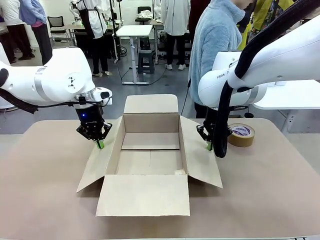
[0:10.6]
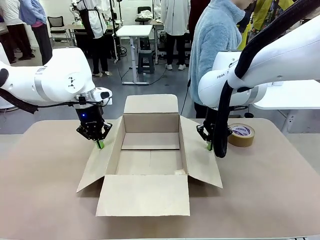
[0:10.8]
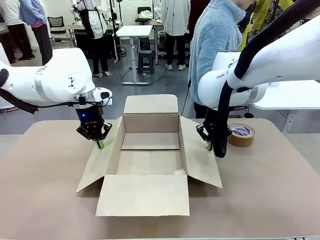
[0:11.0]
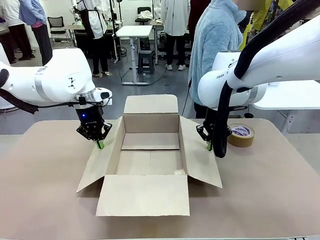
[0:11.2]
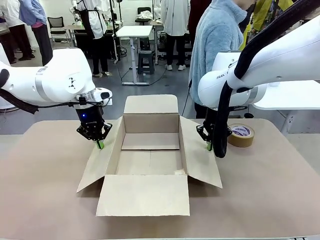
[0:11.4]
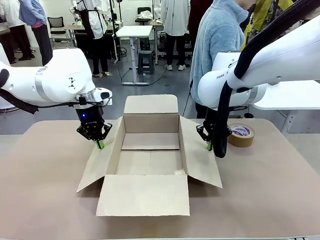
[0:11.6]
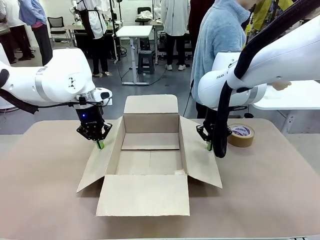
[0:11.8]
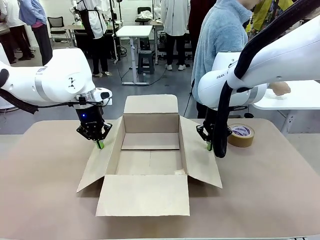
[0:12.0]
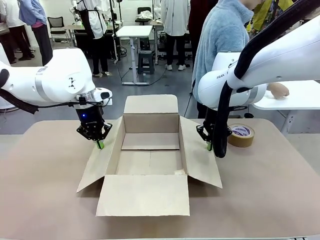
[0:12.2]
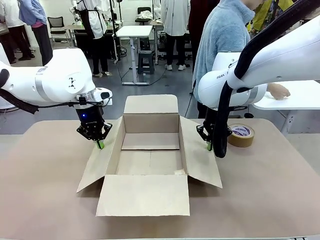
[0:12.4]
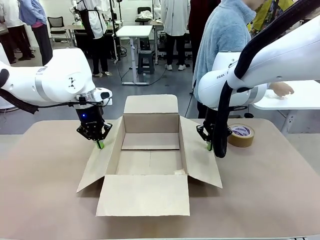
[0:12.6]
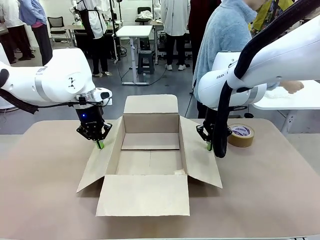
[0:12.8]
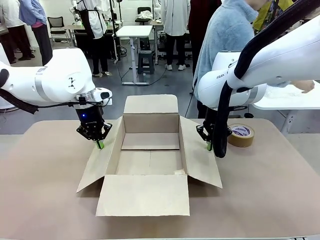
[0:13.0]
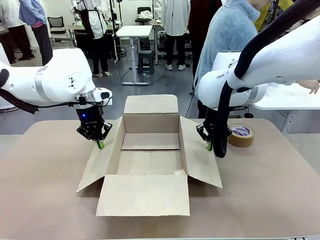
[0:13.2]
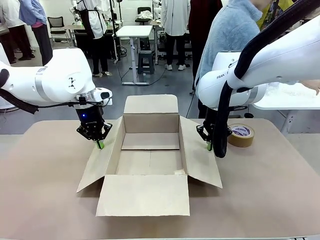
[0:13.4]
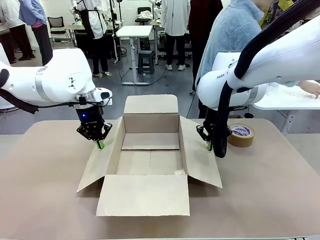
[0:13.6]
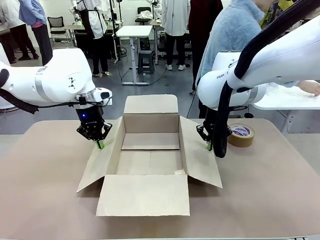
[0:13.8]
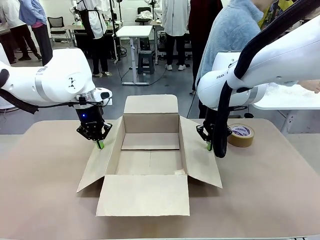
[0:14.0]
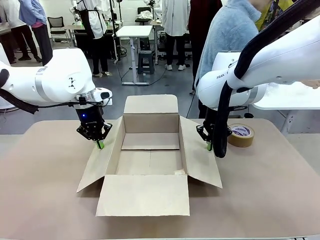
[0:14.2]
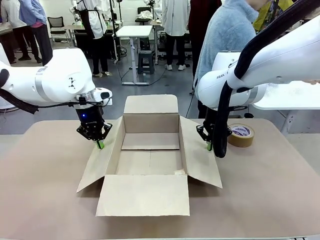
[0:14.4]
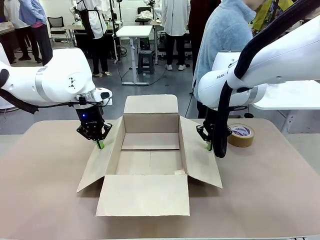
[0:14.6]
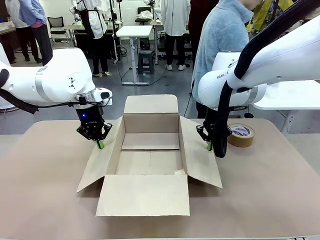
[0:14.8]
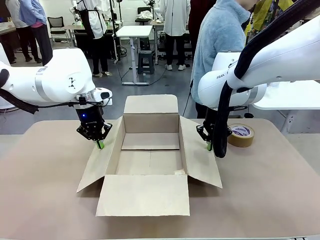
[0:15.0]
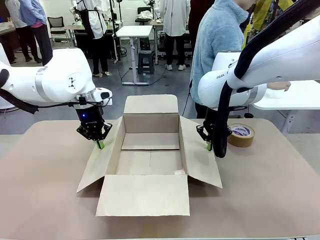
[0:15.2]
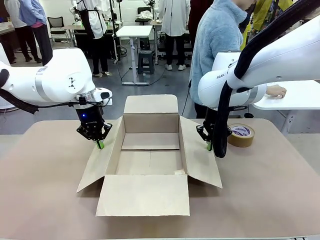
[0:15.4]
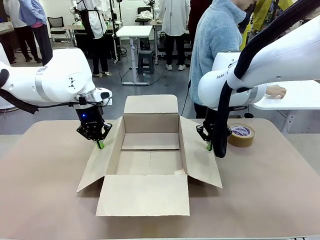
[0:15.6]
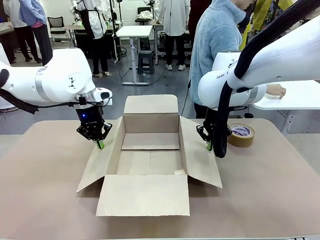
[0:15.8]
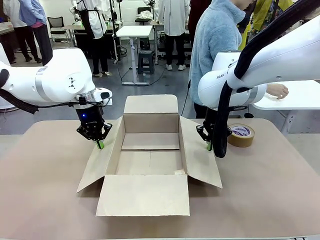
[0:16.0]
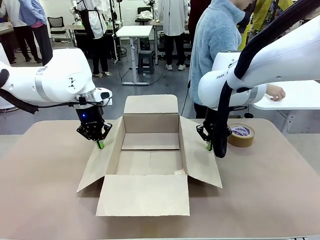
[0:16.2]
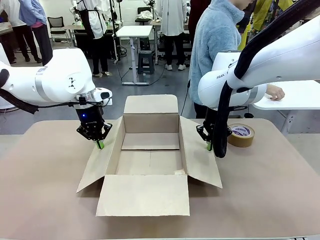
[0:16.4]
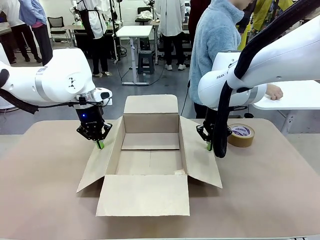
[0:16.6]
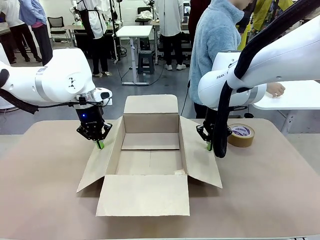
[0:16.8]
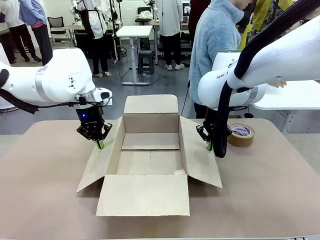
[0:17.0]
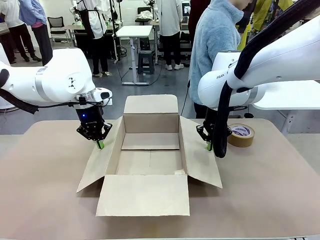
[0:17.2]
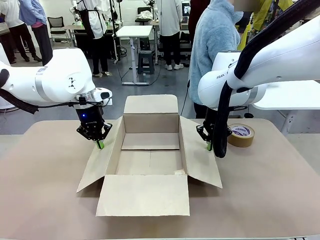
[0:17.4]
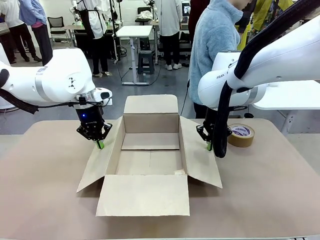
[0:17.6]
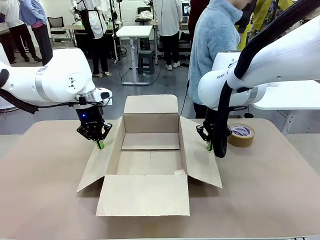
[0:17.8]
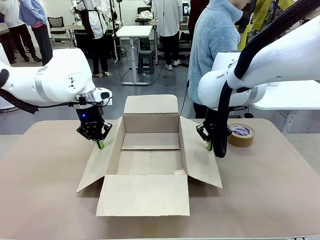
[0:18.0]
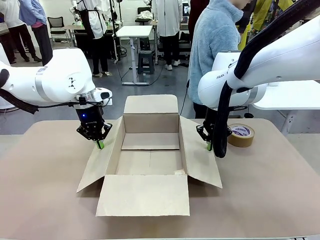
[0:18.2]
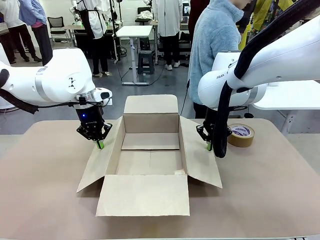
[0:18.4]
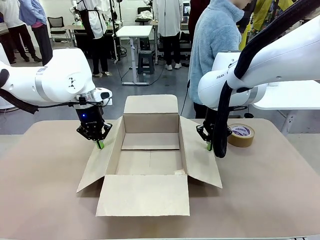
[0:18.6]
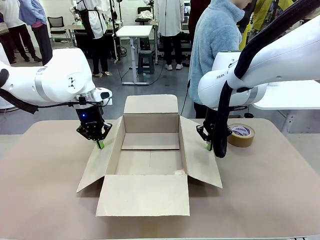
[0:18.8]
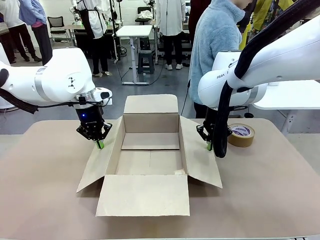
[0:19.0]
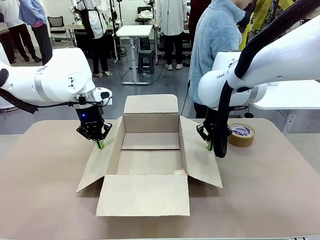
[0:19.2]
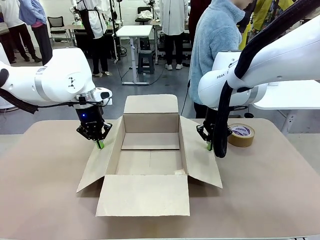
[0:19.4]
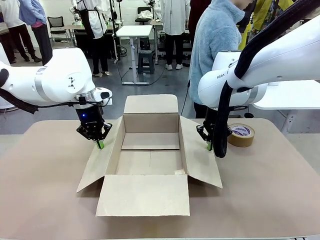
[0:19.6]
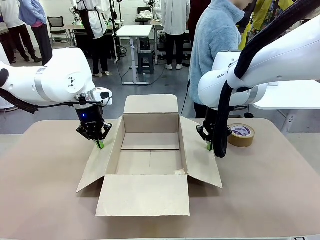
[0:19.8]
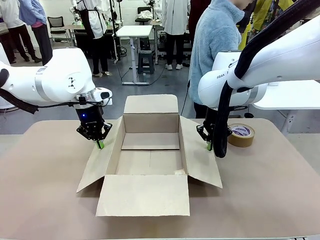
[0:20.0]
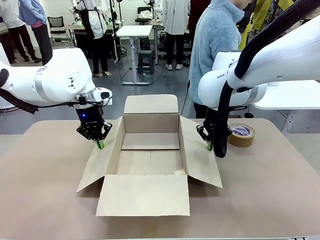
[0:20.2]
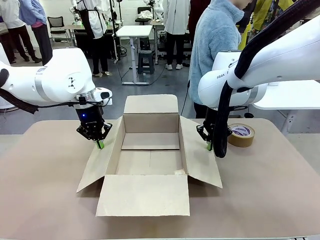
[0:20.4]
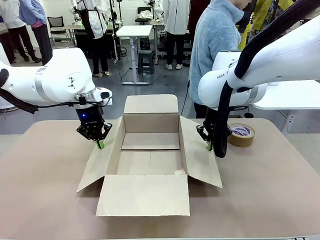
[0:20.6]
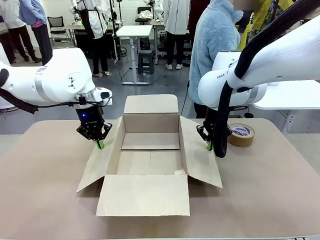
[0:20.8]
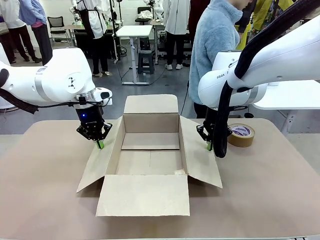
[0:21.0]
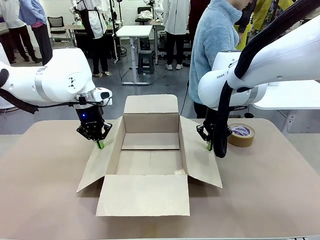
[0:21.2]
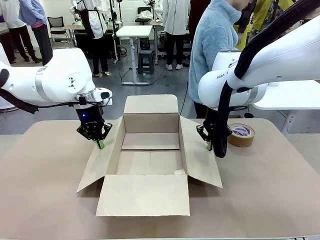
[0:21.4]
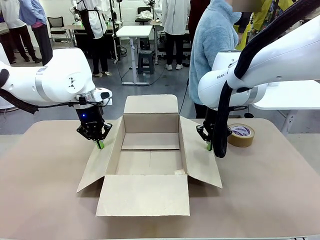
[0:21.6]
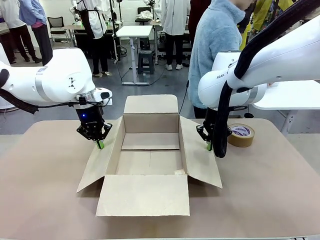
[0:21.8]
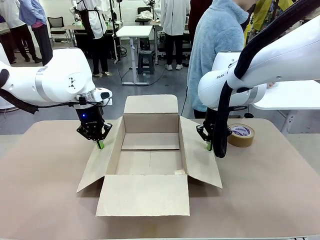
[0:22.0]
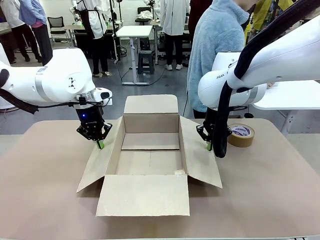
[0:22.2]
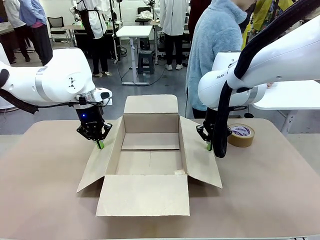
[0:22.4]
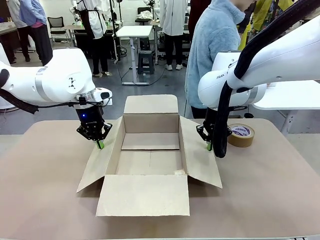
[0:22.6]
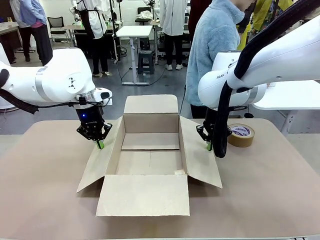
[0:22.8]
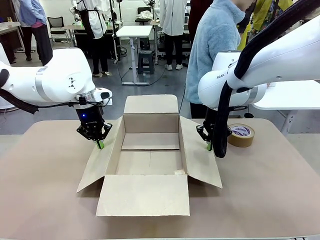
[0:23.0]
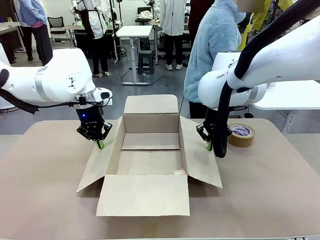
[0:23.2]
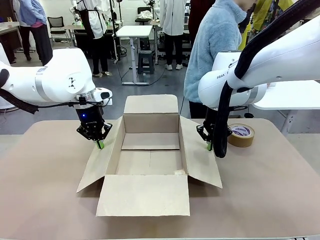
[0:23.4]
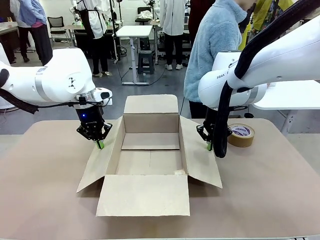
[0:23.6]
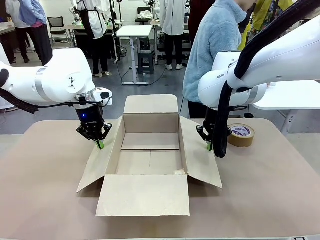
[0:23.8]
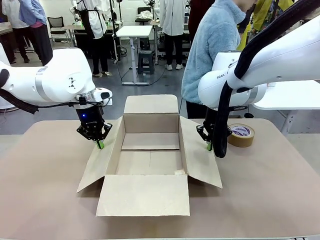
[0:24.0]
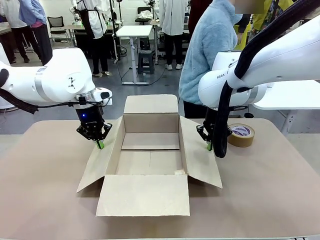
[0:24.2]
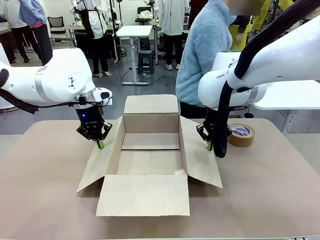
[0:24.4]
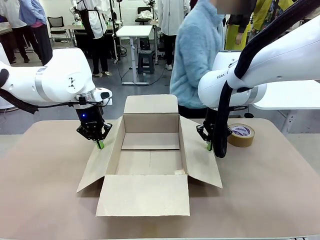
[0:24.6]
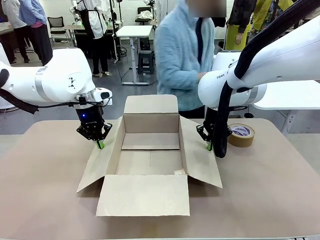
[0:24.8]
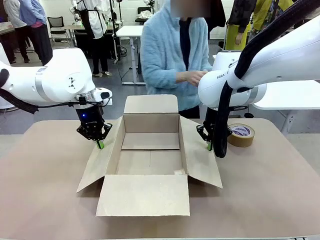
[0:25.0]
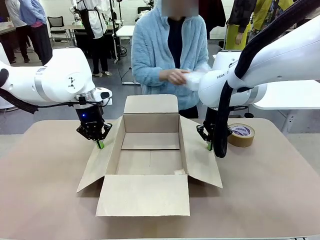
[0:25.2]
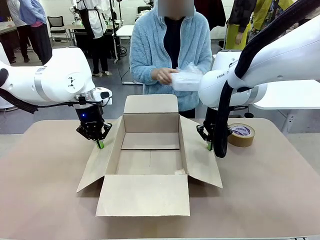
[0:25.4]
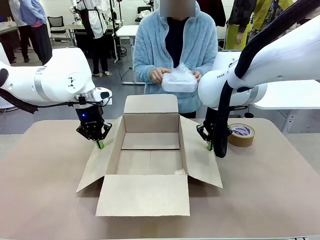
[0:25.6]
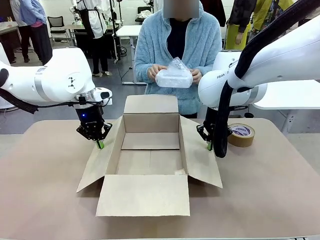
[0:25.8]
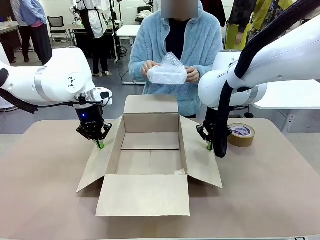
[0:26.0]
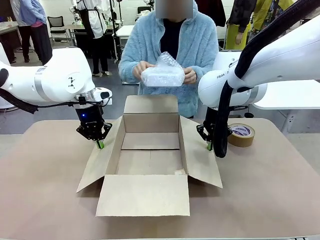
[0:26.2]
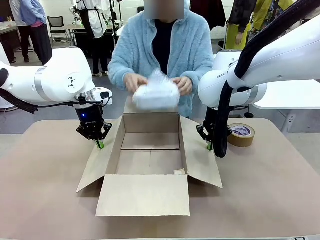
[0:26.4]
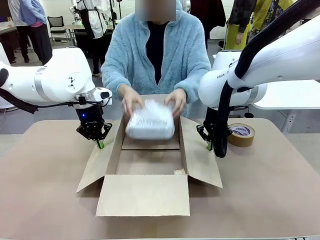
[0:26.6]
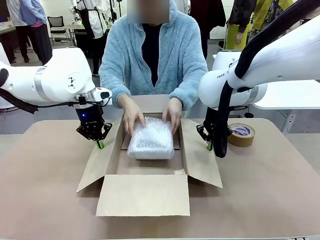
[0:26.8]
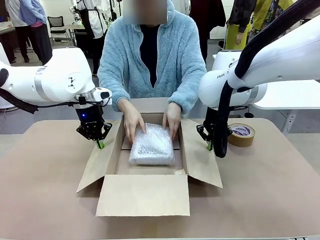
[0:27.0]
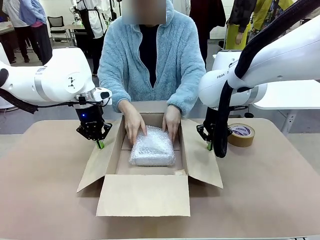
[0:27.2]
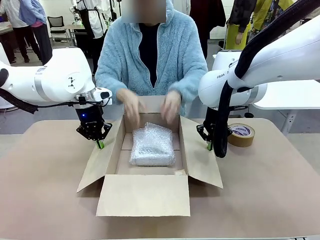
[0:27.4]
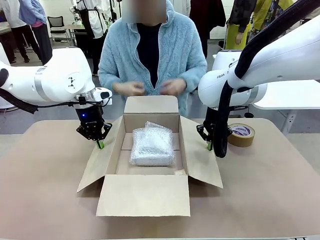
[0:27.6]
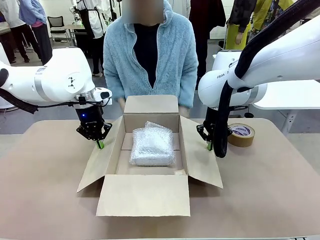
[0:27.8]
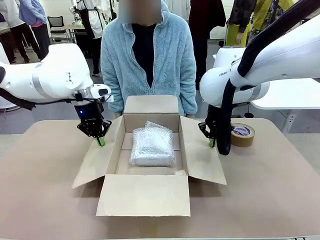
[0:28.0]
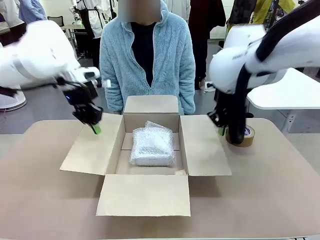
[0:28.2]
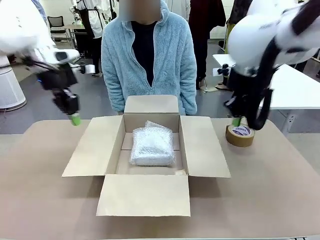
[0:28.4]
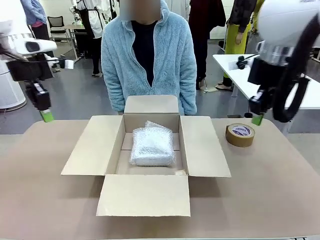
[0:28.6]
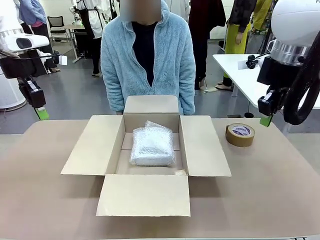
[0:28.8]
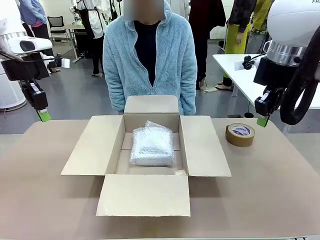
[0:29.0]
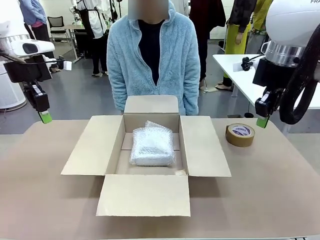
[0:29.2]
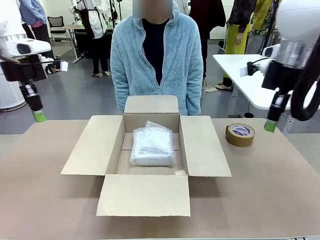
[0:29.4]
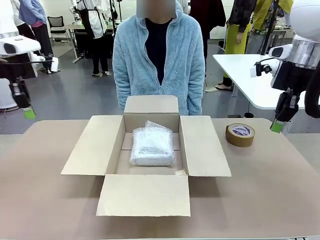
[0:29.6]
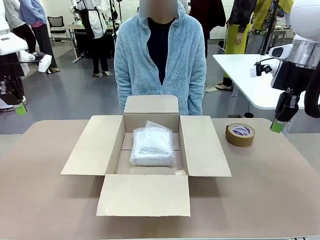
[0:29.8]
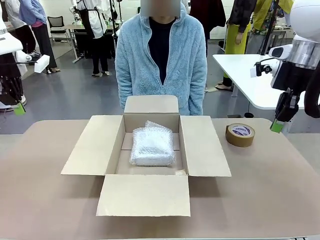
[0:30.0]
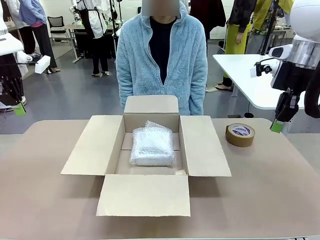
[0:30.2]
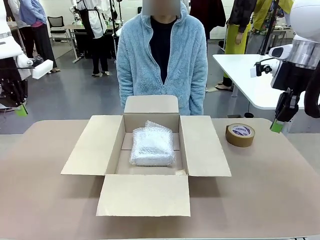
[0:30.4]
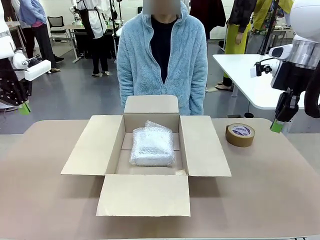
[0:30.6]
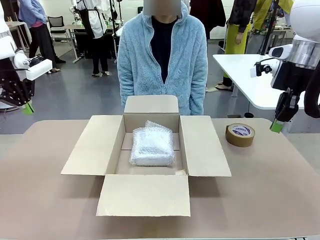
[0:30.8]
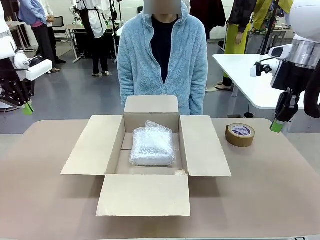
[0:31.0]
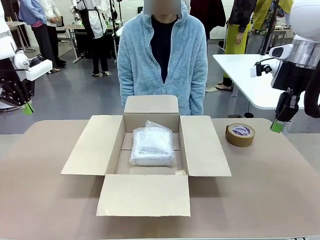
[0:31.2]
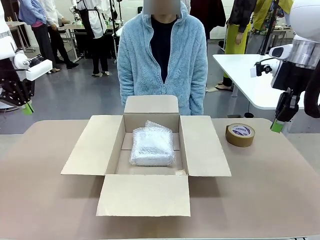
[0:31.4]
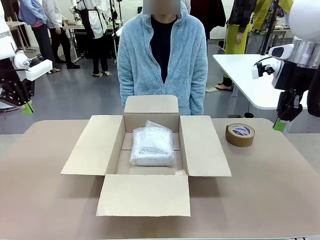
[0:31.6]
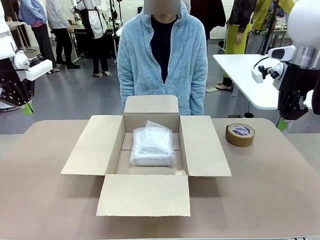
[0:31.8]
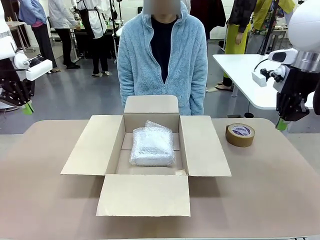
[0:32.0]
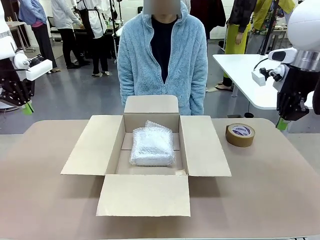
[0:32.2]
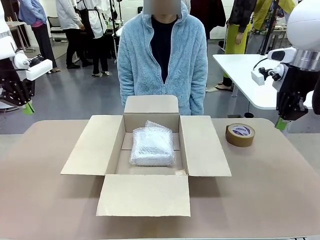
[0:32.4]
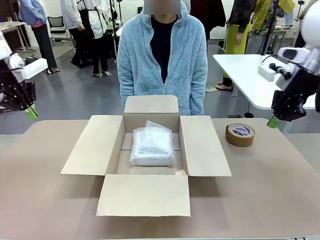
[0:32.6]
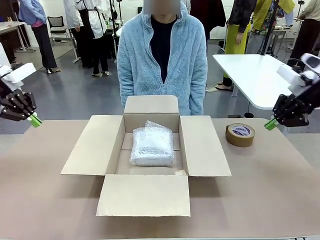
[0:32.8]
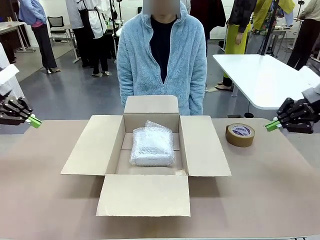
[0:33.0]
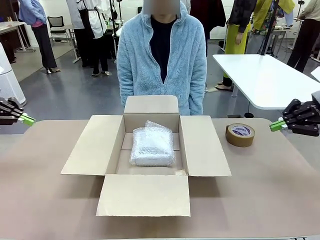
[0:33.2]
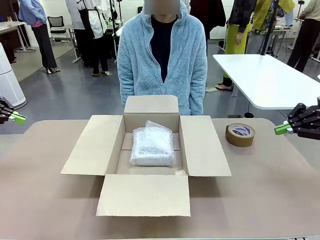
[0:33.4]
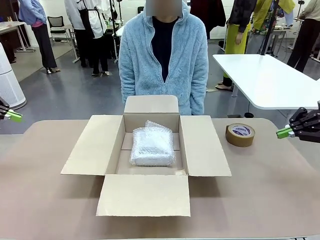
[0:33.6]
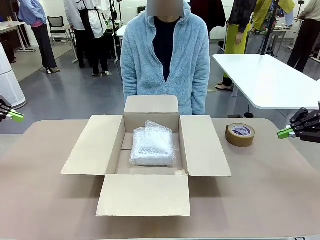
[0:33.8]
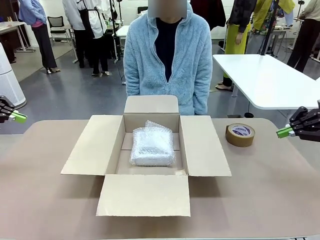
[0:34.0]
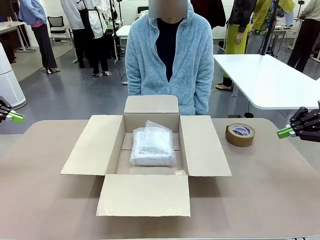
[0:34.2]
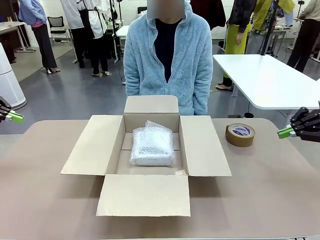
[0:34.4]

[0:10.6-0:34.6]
Task: Wrap the clocks to prevent damage.
Robot: Once the human has placed the objects inside and stepped back, release both hands from the side flaps of the Package Box.
Person: Wrap the two Digital clocks with Bubble Wrap. Place the wrapped Digital clocks inside the Package Box. Hold the top and bottom flaps of the Package Box closed with your left (or right) hand.
